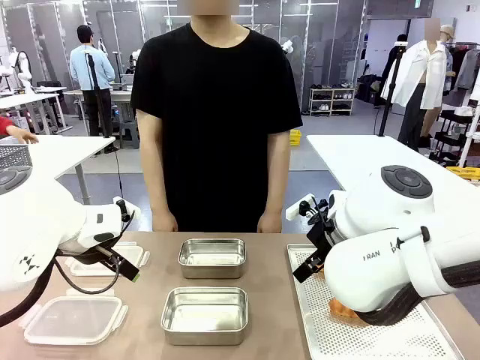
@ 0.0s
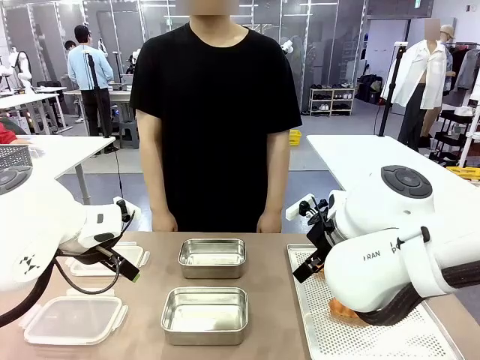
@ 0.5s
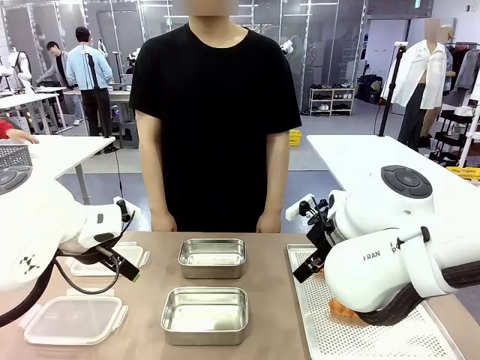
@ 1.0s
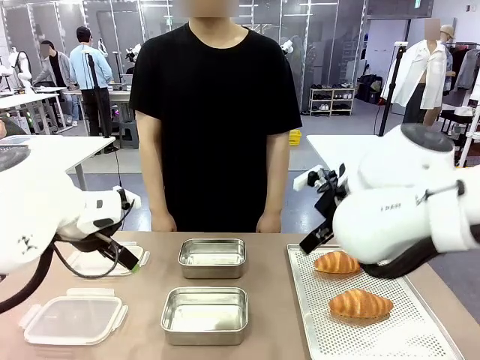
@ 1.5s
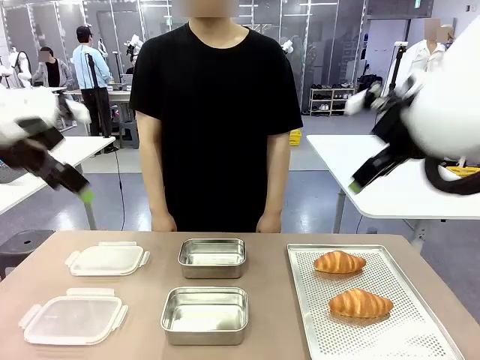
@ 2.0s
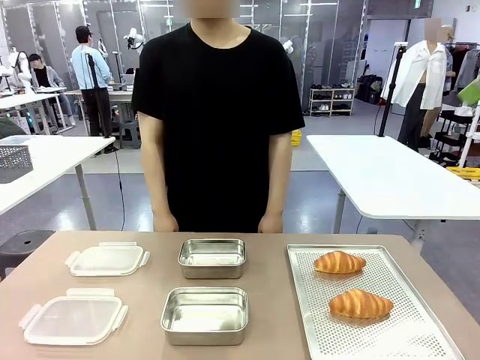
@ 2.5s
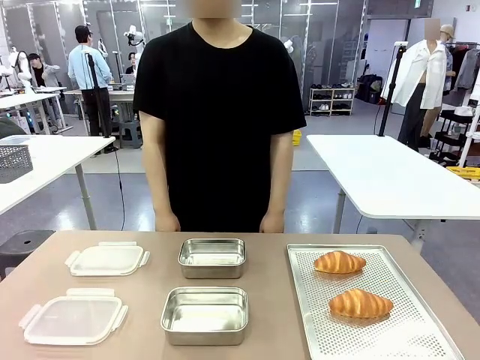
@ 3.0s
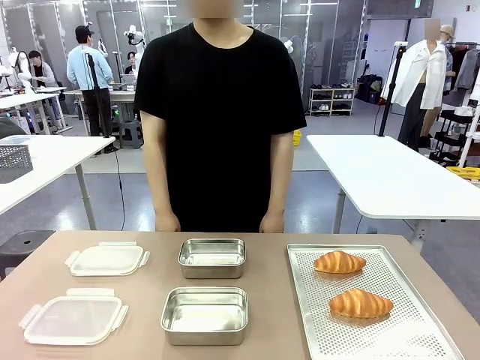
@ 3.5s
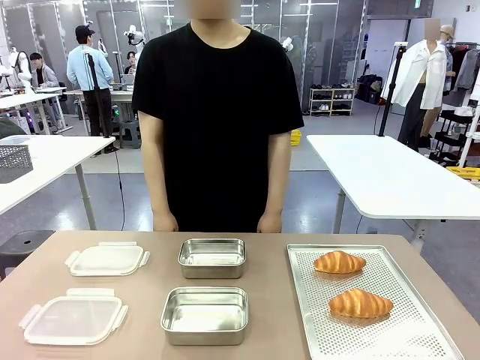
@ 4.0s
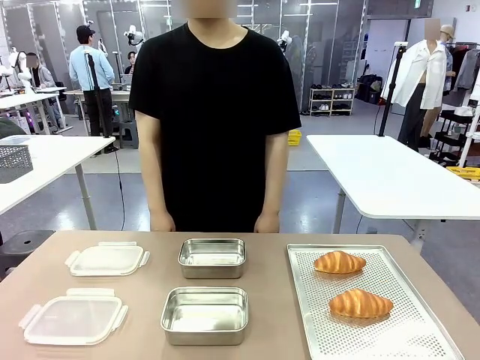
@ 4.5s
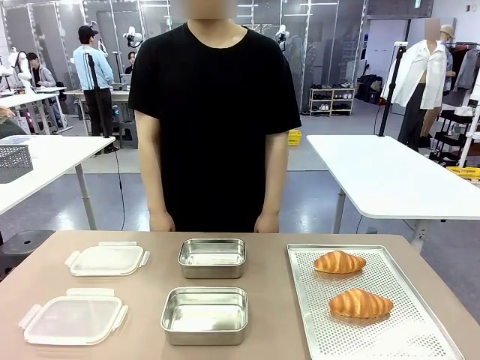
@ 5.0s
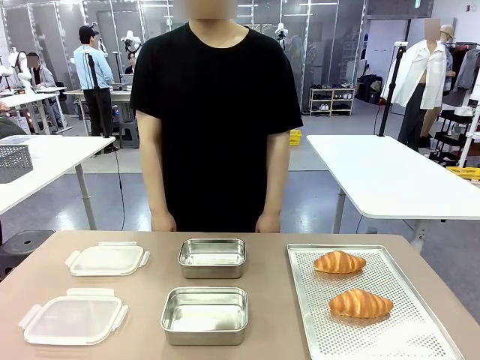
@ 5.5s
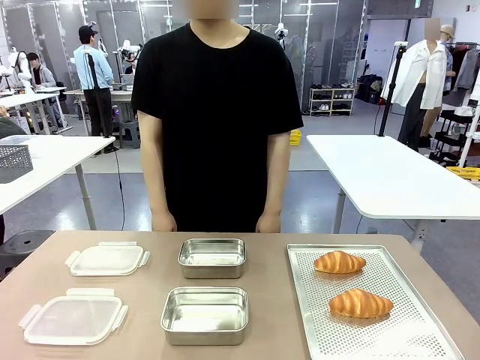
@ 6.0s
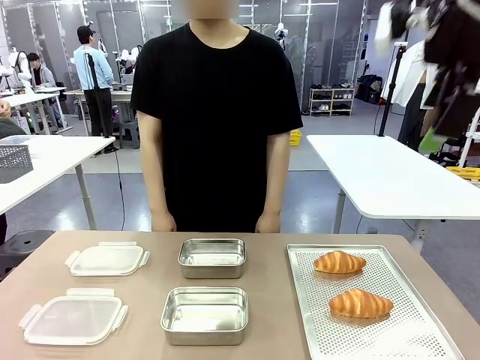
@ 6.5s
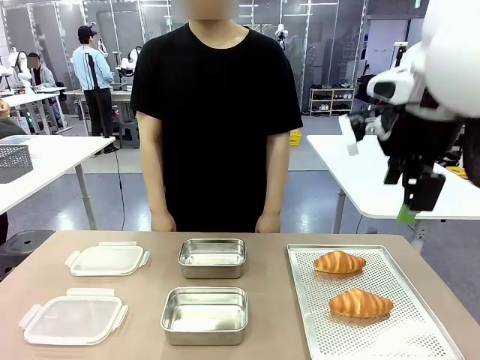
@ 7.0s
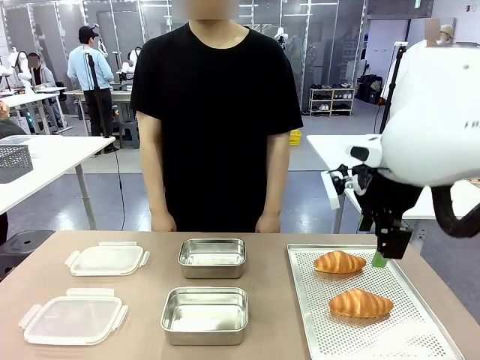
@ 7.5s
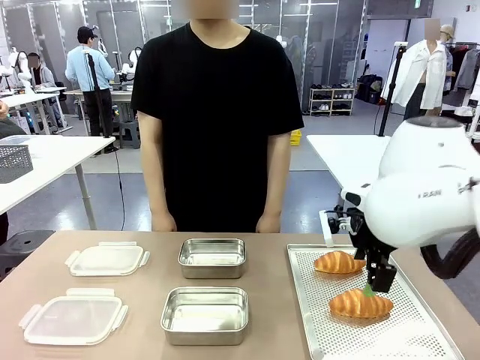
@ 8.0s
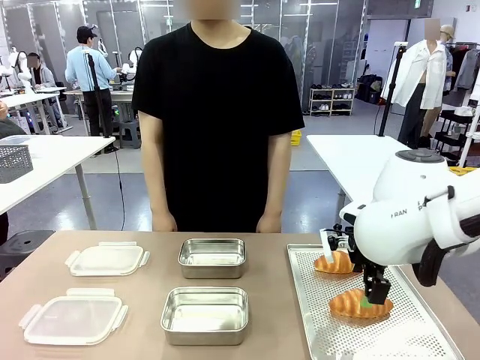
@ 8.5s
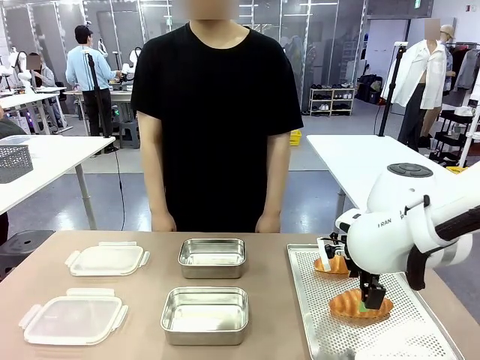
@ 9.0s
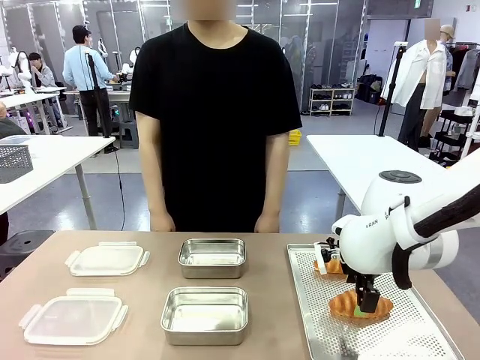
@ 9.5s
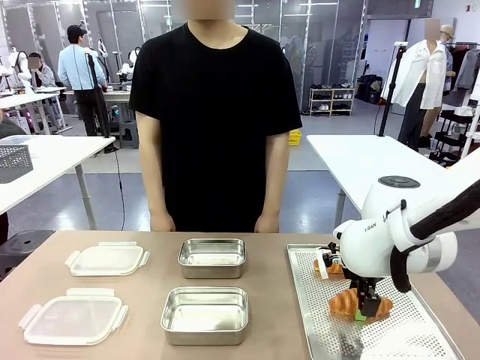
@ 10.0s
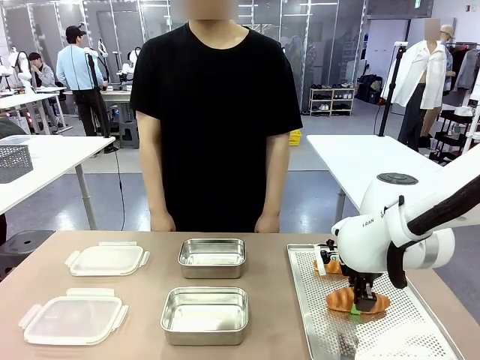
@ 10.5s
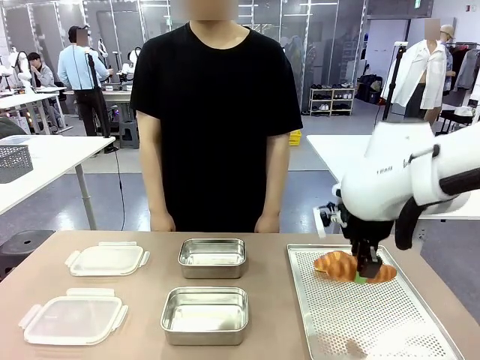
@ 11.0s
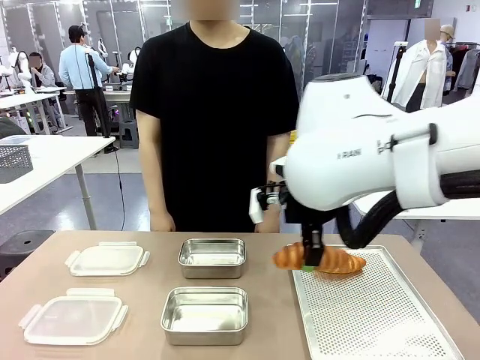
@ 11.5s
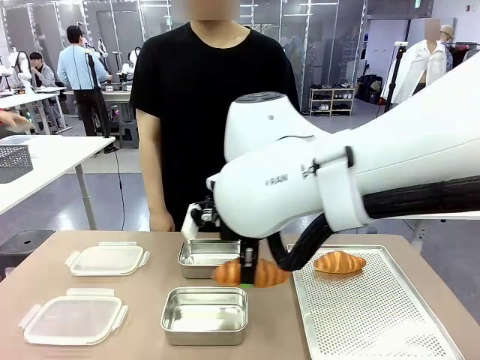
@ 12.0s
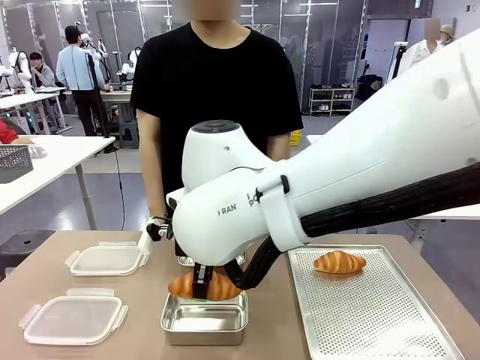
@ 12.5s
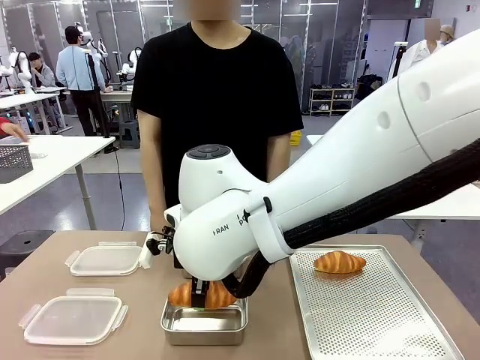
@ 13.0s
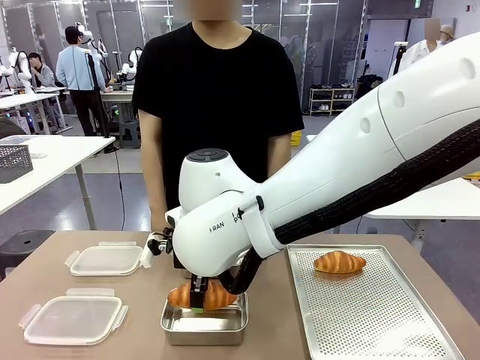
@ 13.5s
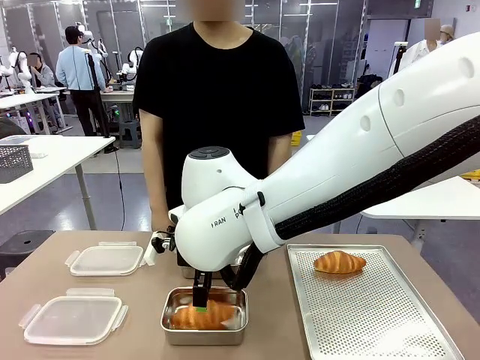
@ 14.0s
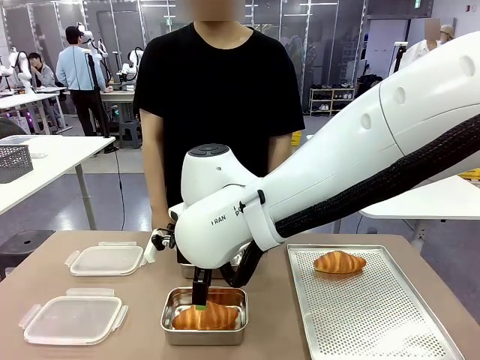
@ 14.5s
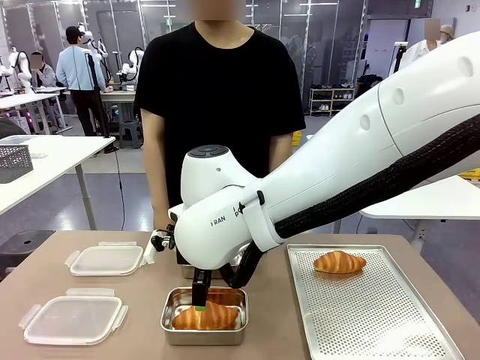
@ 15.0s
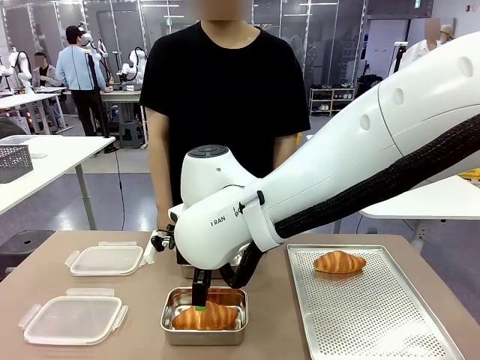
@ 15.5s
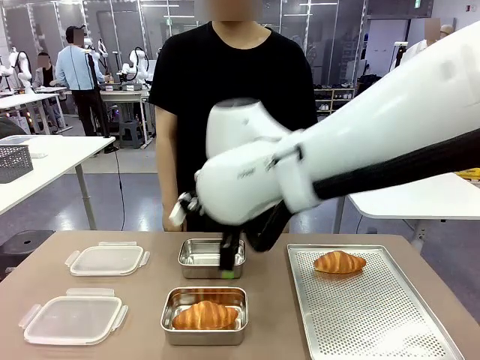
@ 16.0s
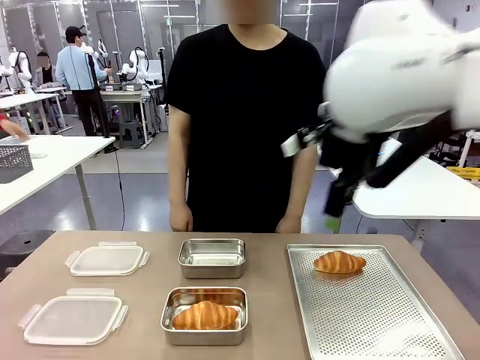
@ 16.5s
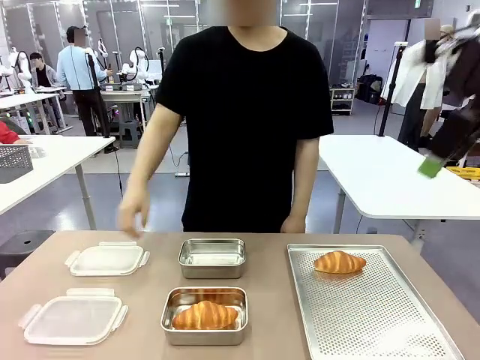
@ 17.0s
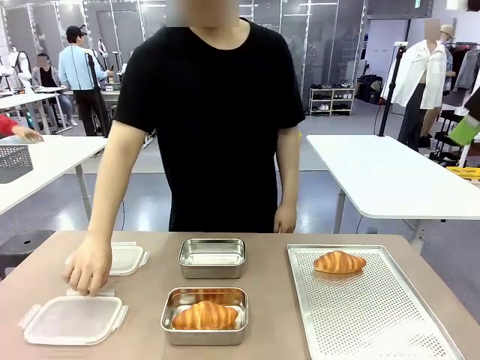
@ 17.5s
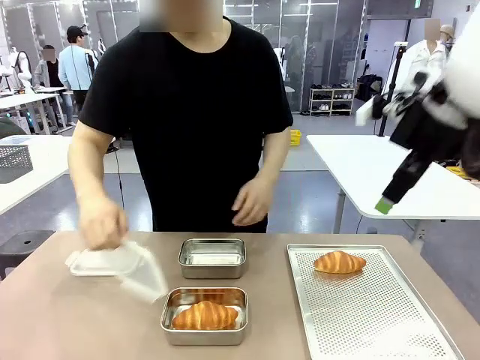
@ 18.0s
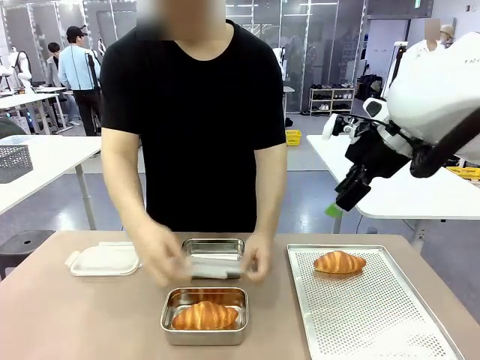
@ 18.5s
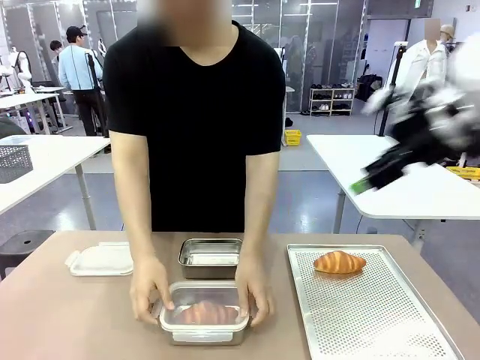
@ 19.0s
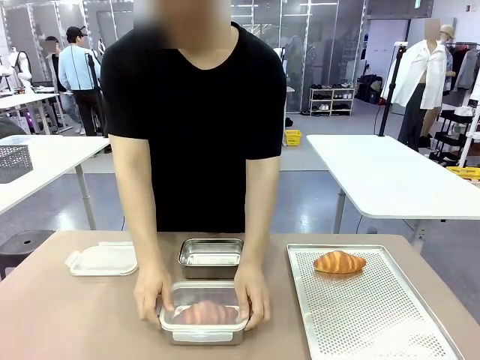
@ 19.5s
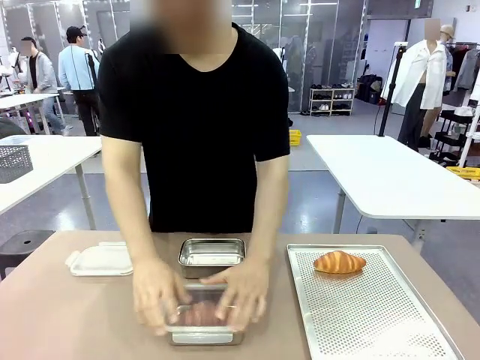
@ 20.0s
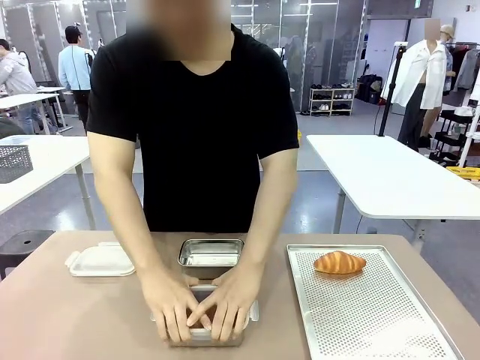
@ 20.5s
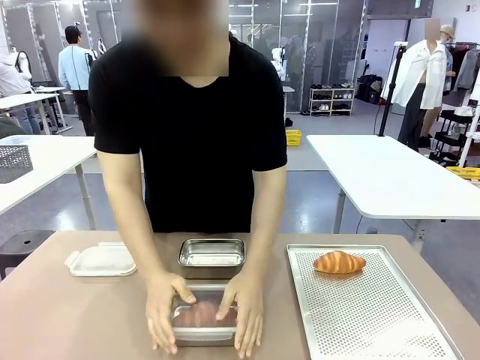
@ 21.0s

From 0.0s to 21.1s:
Task: Place the bread into the airtight container.
Robot: Pick up a Butter Roll and place it into an empty Airtight Container.
